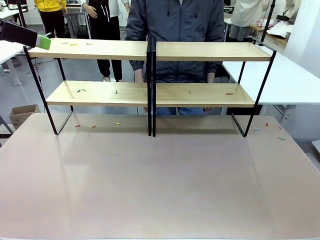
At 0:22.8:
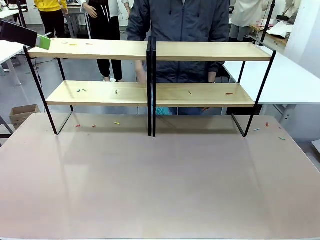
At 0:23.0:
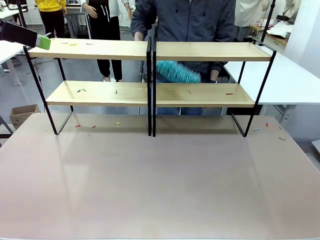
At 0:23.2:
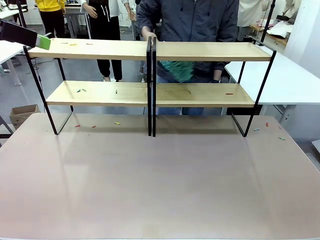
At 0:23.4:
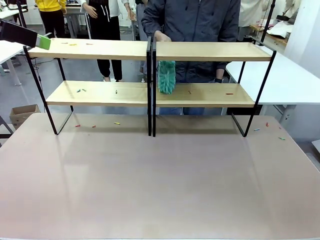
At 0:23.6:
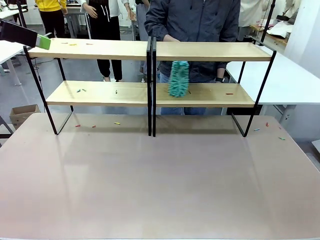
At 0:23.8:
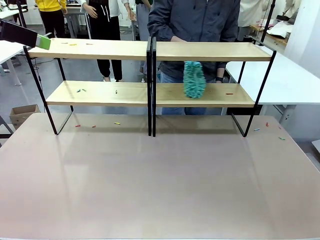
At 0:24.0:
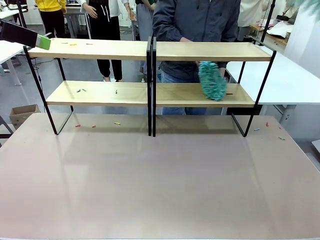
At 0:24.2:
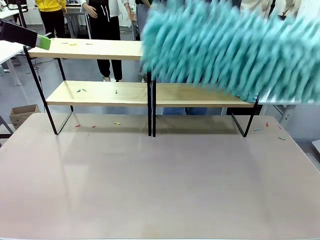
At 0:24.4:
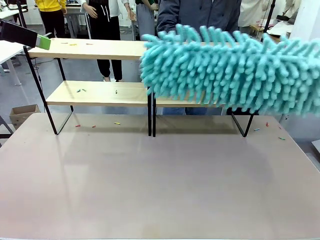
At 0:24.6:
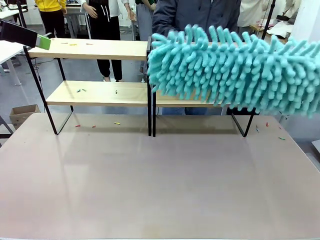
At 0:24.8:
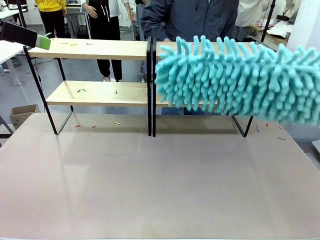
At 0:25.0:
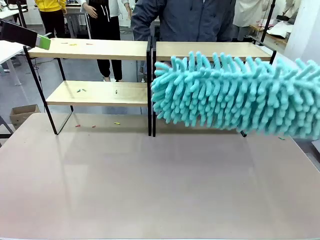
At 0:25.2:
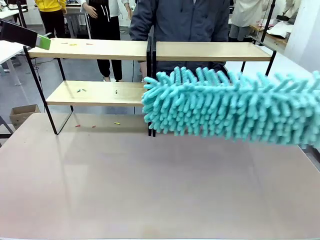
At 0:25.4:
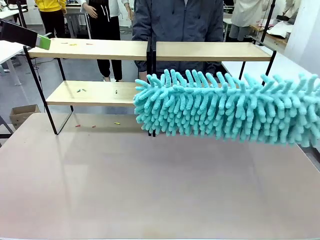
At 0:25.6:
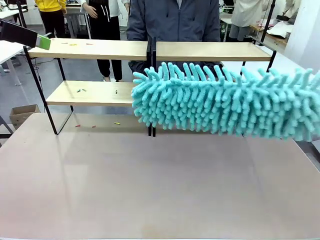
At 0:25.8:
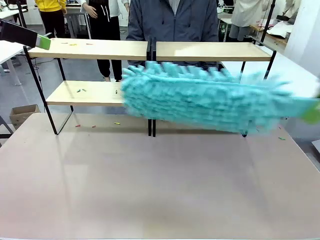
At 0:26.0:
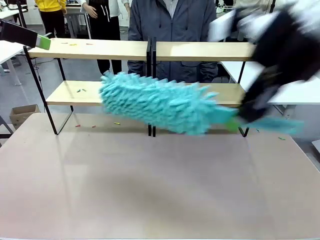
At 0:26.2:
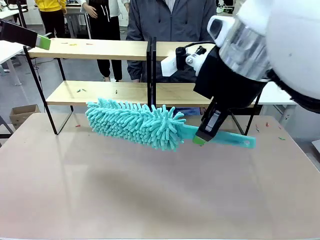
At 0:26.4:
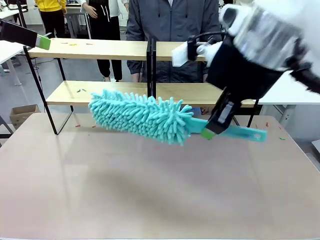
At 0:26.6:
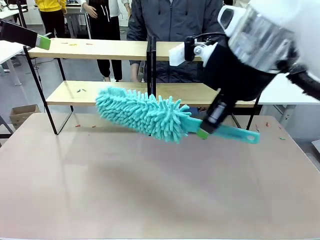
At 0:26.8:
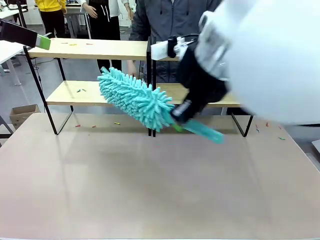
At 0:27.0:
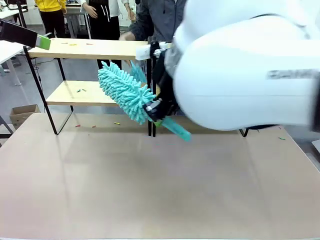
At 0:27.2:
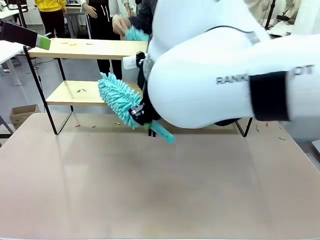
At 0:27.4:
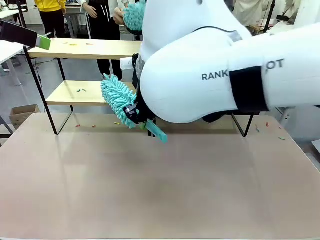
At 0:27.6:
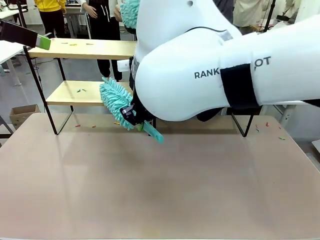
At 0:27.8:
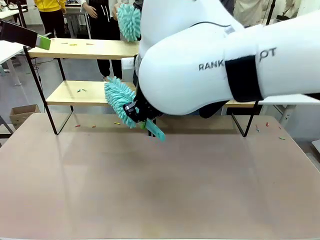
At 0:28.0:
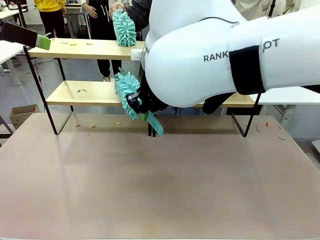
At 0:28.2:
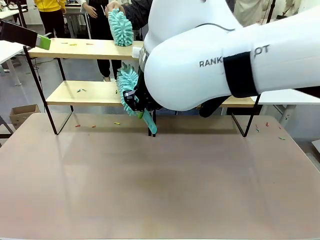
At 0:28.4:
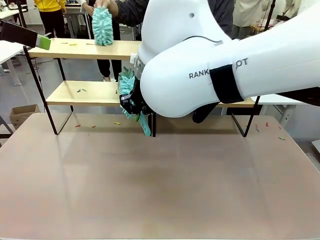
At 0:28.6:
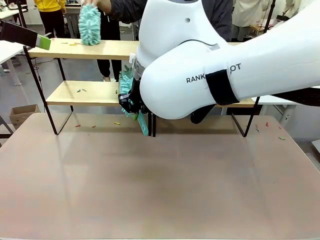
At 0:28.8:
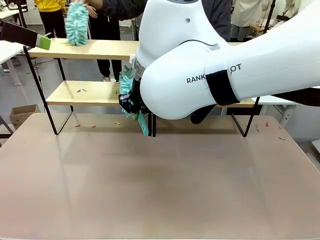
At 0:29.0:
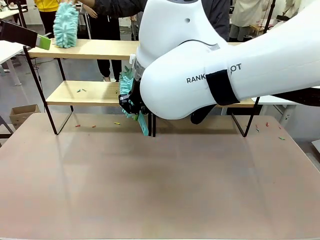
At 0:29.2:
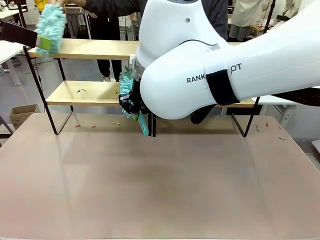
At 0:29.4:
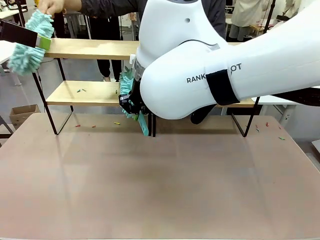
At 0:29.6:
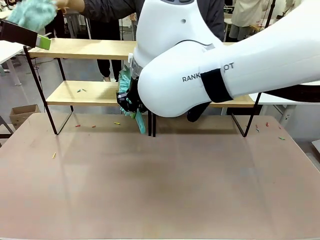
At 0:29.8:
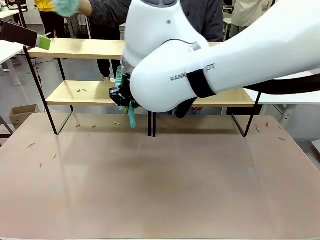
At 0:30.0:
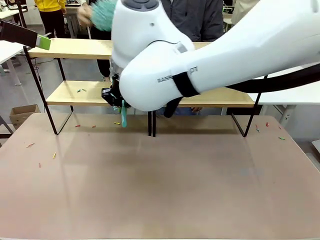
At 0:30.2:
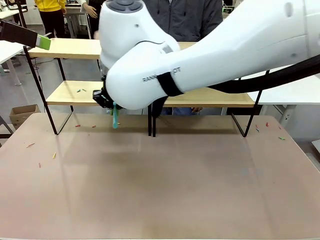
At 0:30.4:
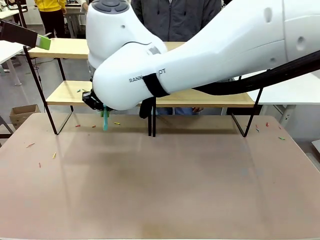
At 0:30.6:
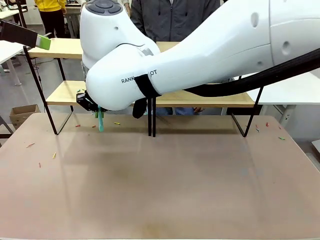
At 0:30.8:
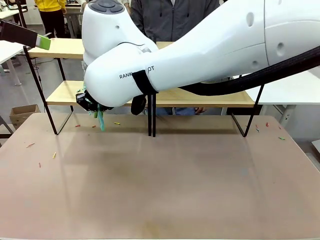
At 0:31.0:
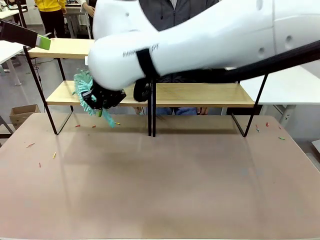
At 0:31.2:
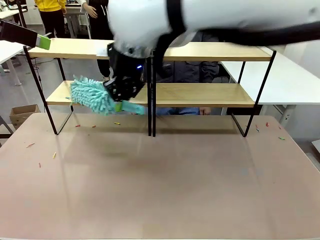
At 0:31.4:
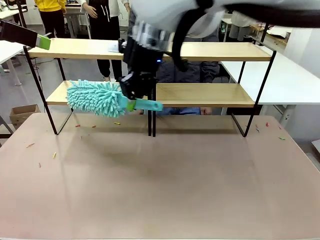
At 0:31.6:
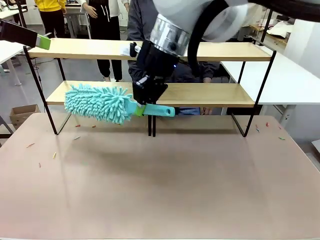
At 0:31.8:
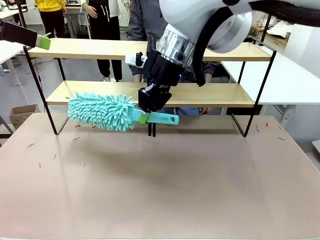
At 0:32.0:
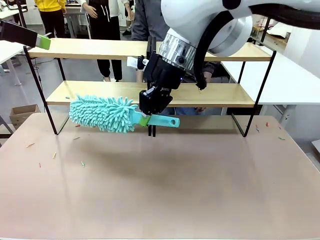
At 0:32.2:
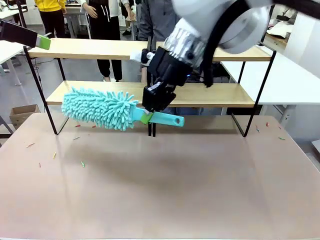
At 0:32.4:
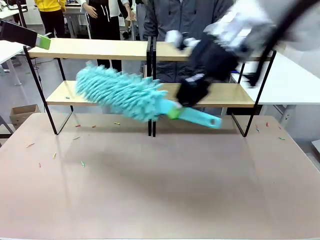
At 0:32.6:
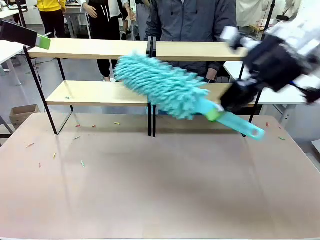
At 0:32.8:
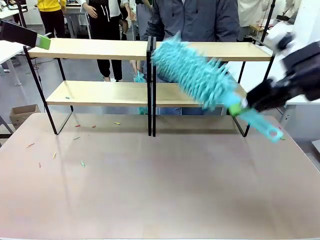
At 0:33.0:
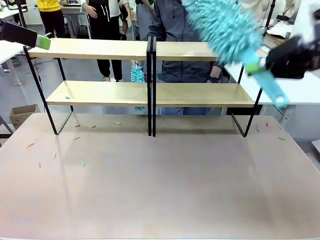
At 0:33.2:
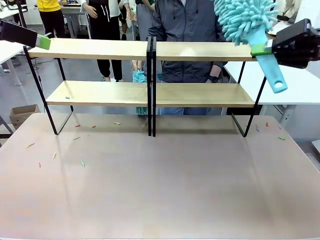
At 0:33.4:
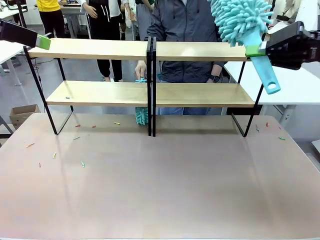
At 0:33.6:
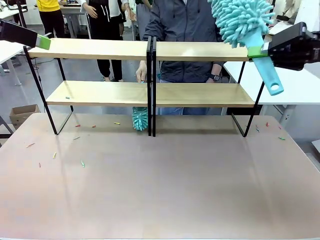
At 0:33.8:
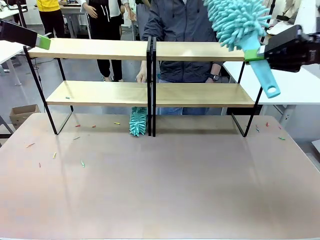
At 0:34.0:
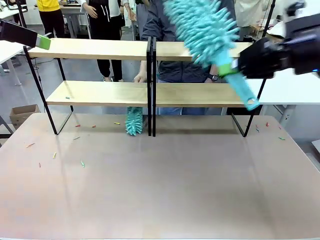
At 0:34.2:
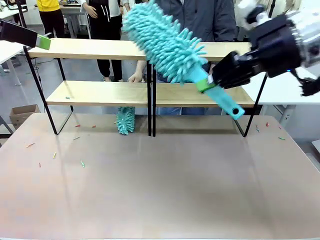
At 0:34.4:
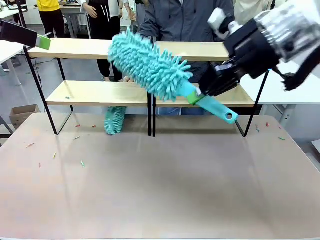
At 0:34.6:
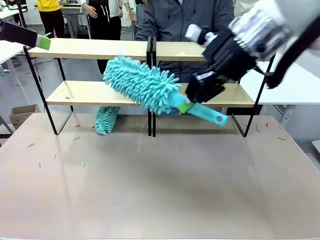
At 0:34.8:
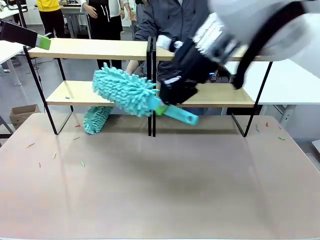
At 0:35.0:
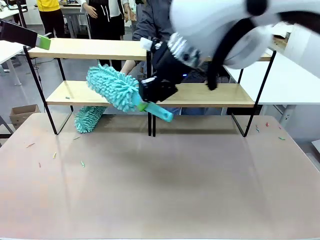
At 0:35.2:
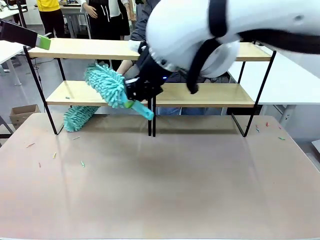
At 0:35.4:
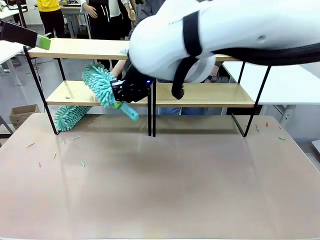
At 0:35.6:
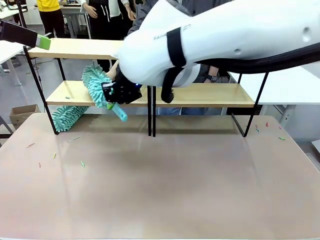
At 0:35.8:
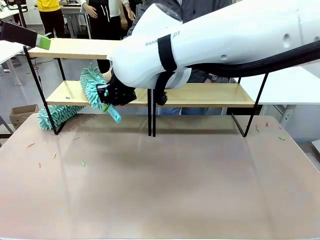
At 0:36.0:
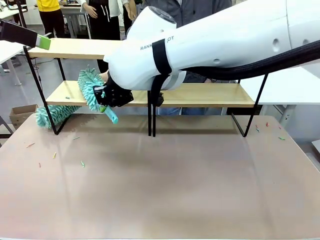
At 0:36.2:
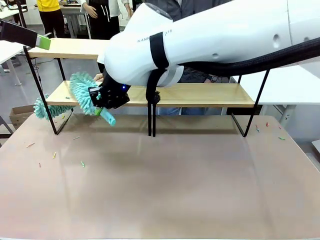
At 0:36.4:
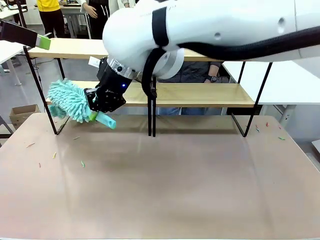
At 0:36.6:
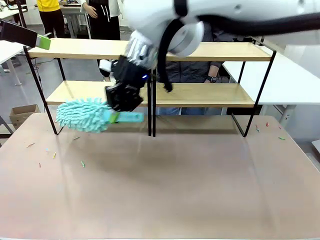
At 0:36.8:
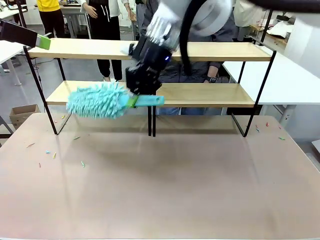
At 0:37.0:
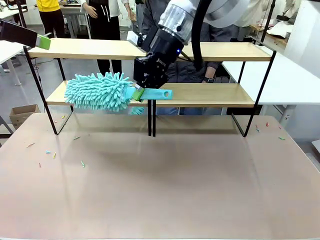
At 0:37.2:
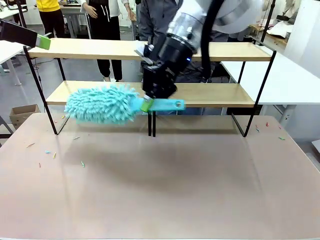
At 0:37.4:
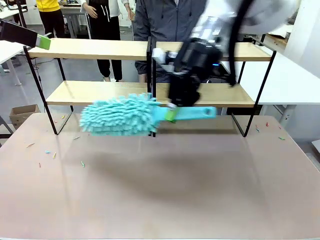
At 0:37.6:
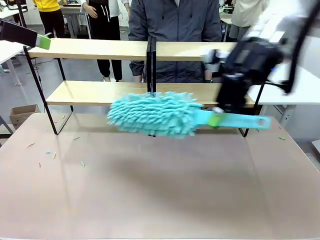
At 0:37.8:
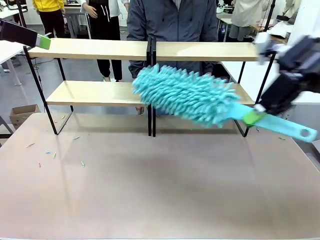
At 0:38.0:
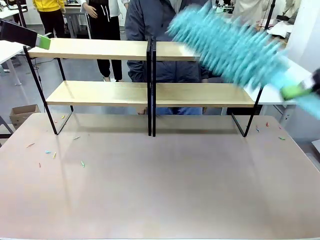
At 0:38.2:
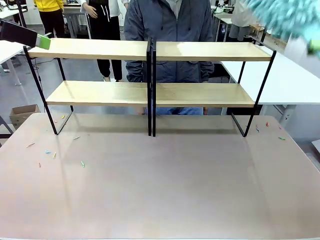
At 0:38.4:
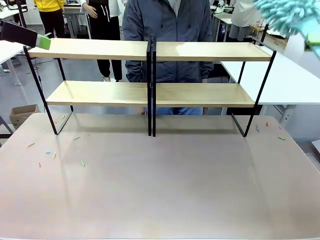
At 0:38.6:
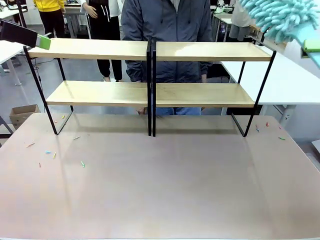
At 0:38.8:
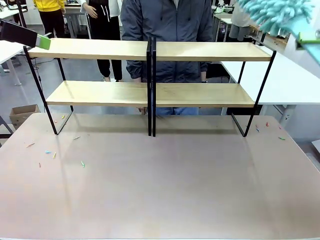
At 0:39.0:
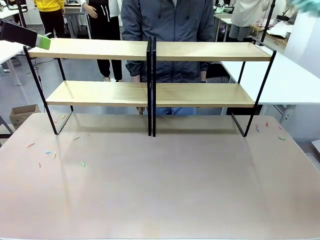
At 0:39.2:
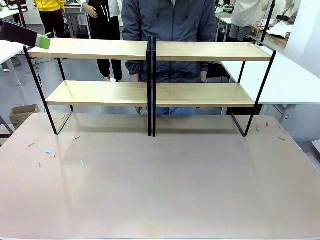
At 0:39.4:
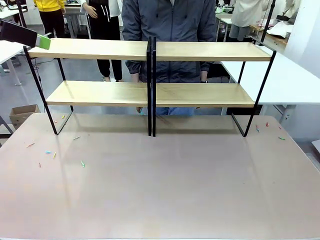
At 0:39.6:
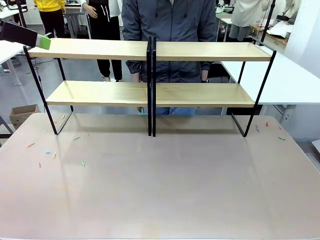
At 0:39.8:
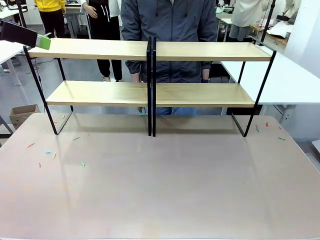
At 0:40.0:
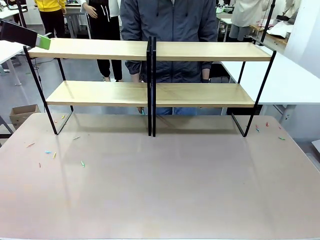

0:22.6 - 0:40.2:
Task: Clean the shelves.
Robot: Clean another randomly selected level of the Shelf with the Duster.
Person: Clean a randomly selected level of the Shelf with the Duster.

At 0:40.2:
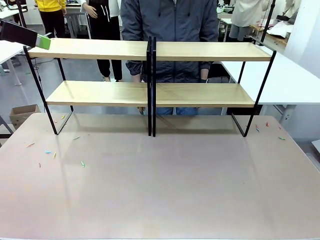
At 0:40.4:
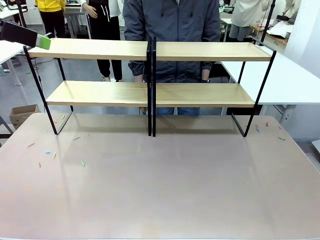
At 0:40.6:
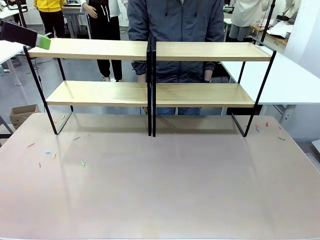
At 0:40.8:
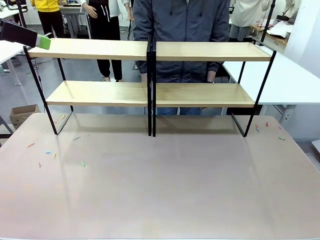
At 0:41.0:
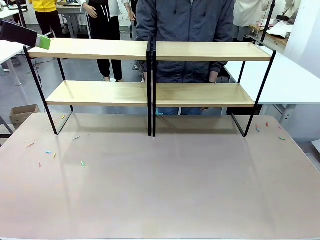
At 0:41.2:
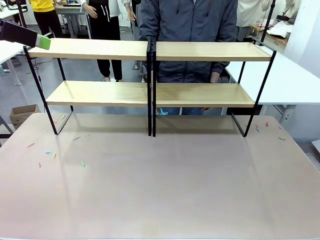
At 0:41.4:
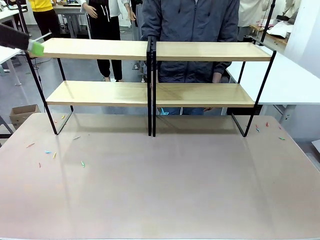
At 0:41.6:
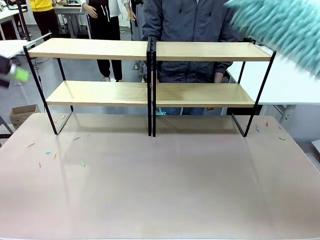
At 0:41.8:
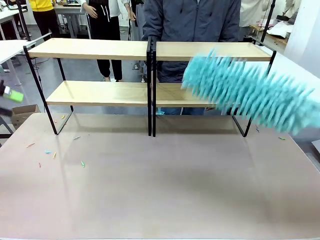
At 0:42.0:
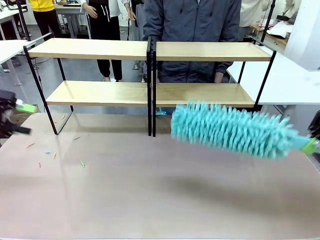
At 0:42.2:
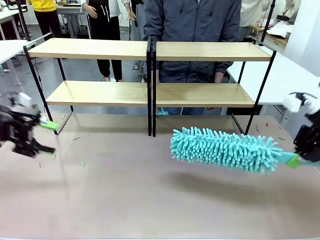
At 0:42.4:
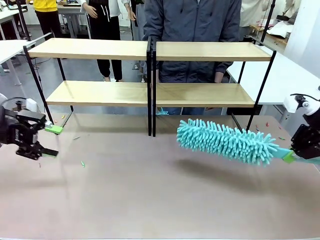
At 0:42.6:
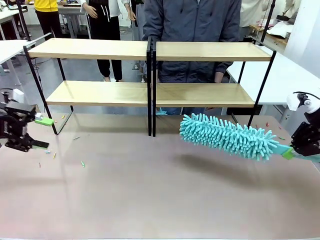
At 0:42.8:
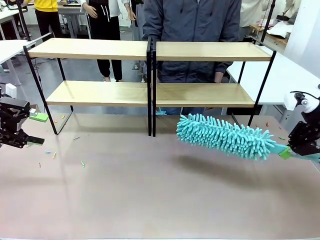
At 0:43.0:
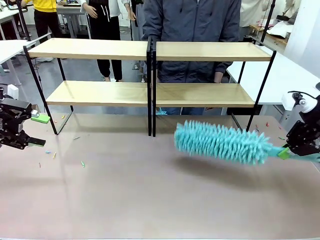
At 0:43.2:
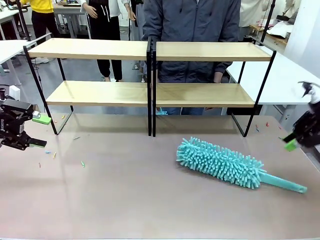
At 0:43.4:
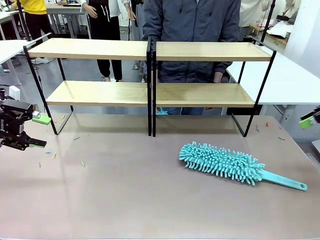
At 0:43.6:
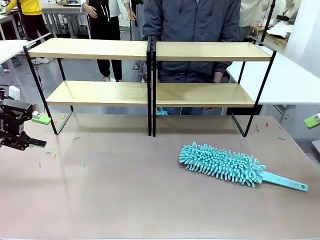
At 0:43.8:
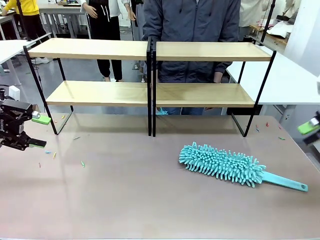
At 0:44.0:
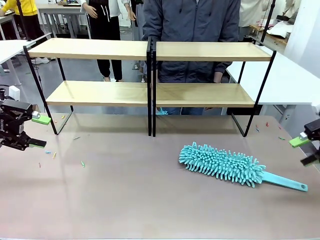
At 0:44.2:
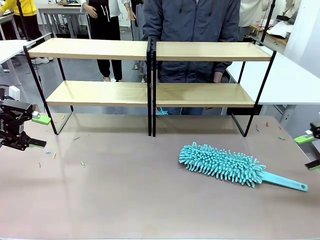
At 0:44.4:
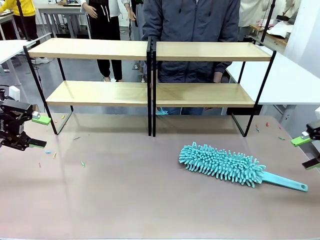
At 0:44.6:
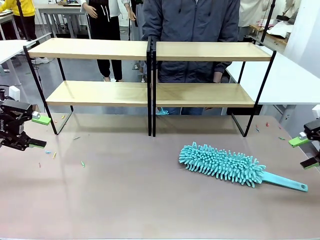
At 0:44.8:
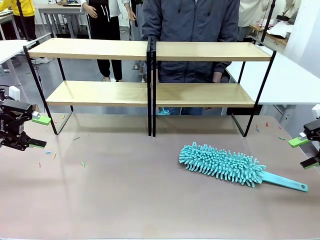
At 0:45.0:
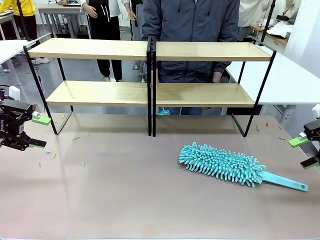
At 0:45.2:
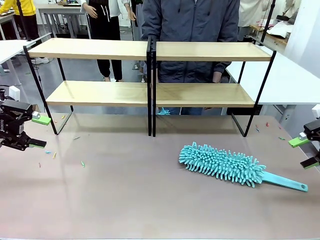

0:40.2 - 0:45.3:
Robot: Place the Duster on the table.
